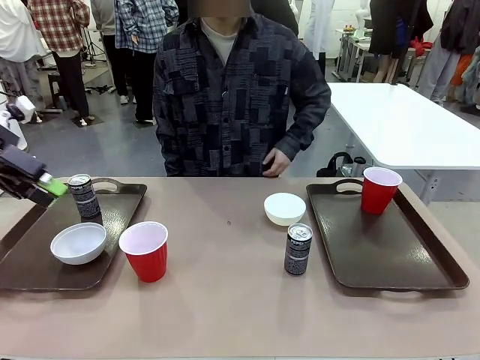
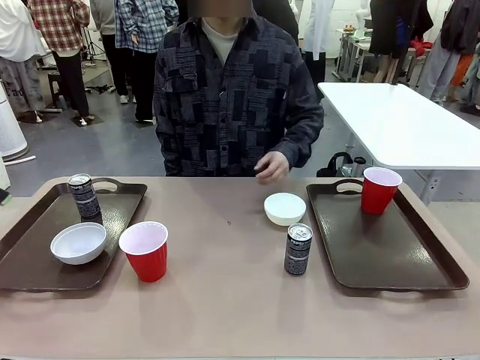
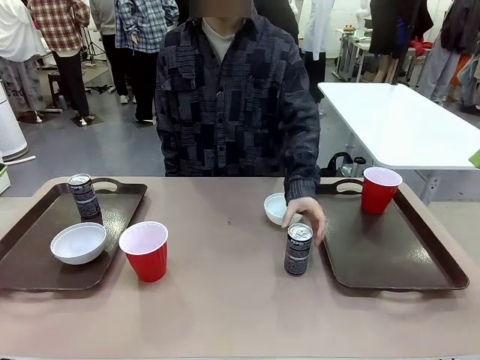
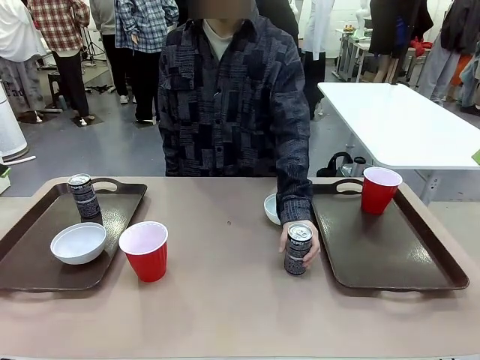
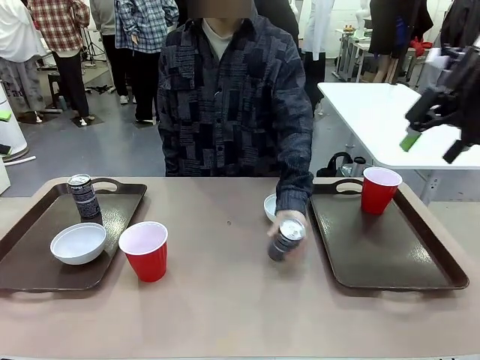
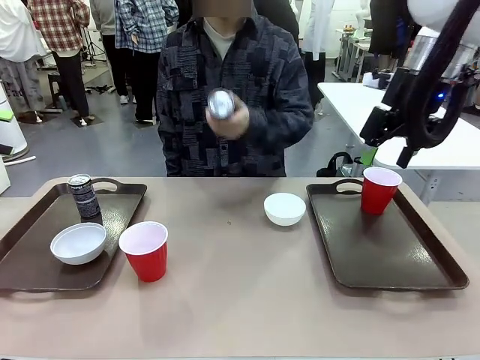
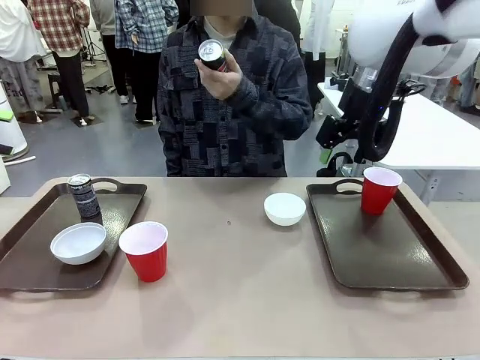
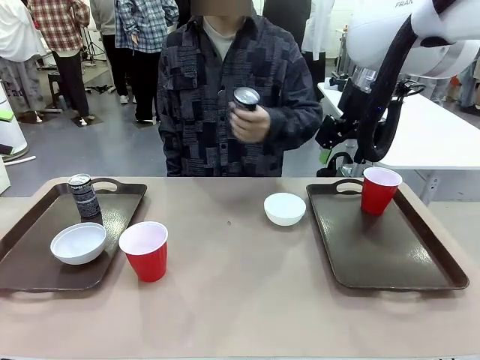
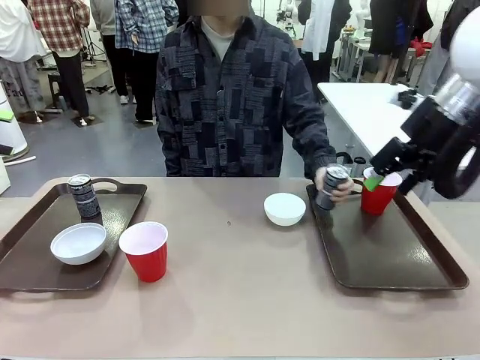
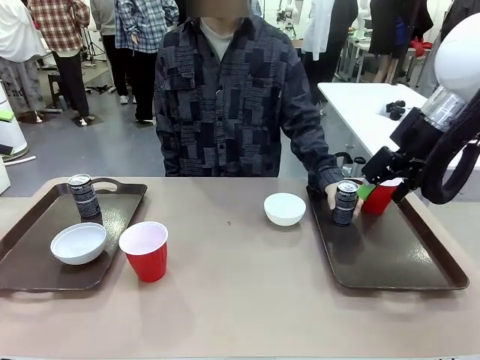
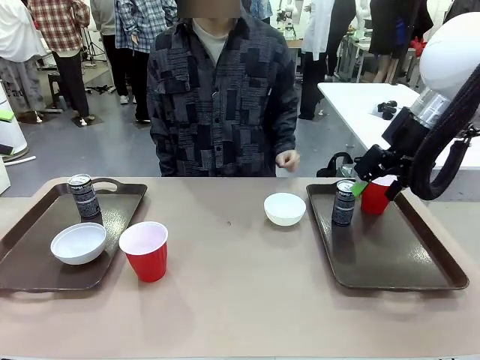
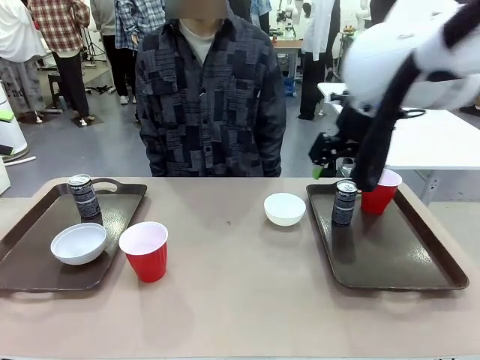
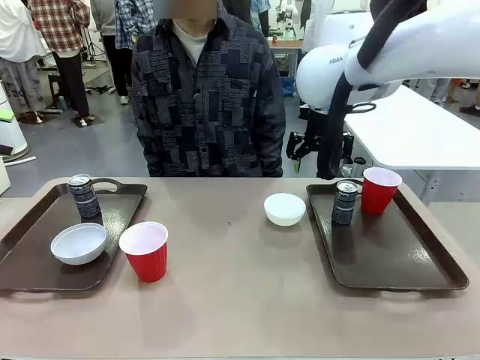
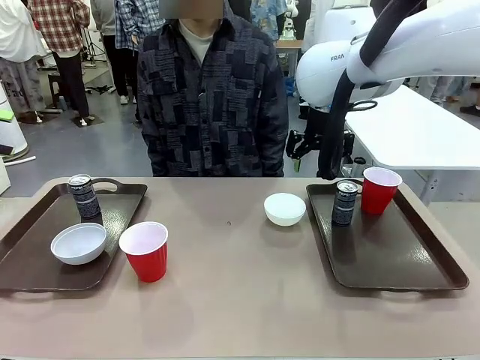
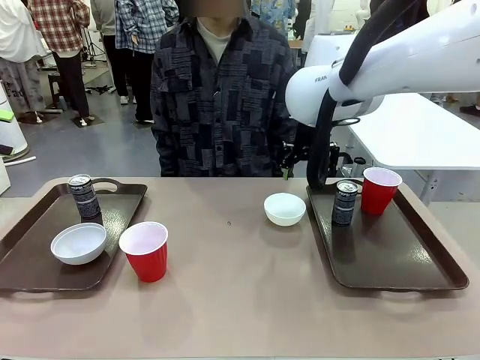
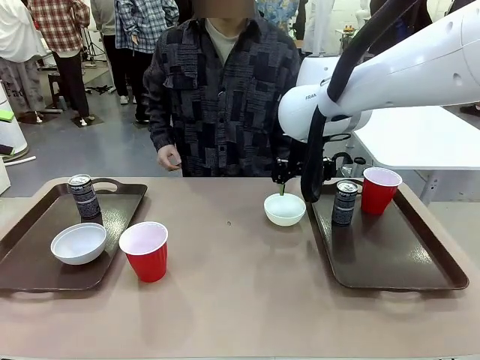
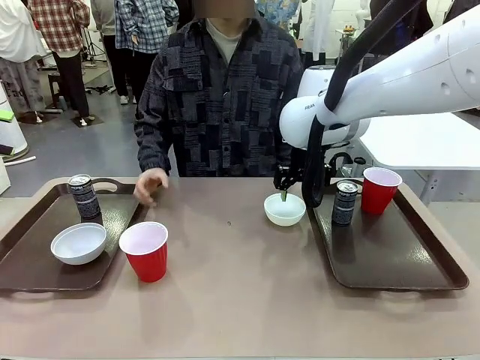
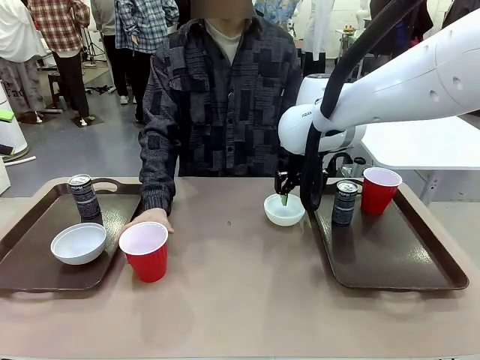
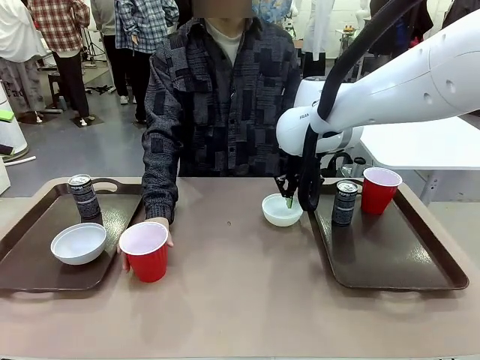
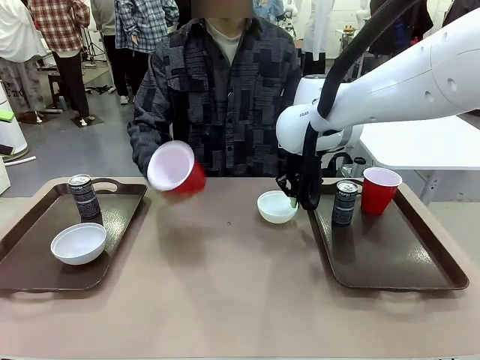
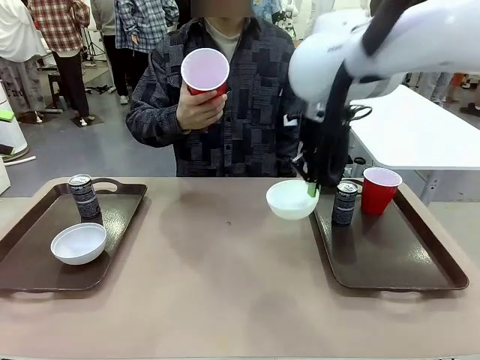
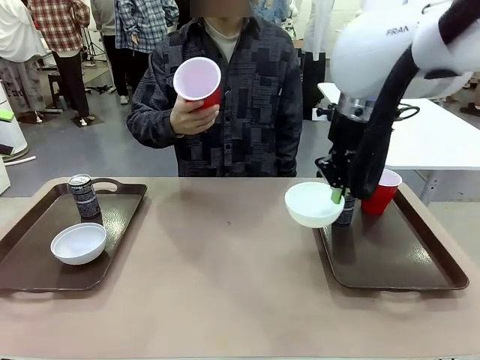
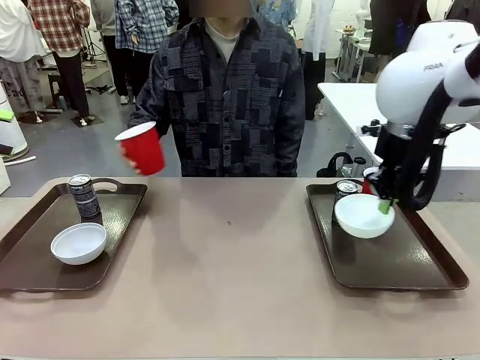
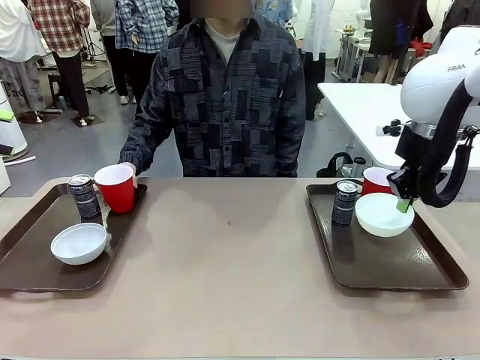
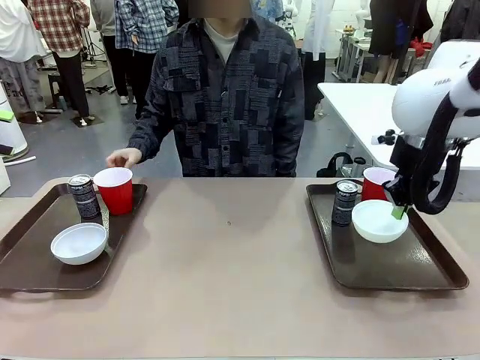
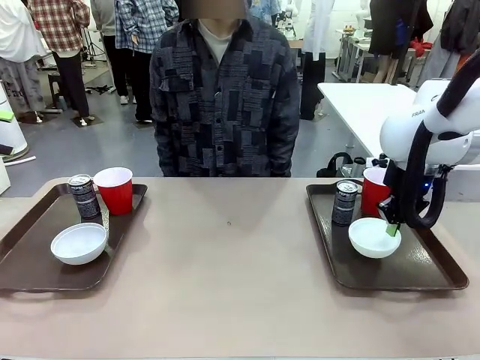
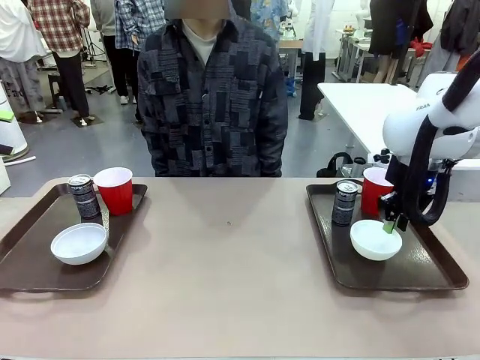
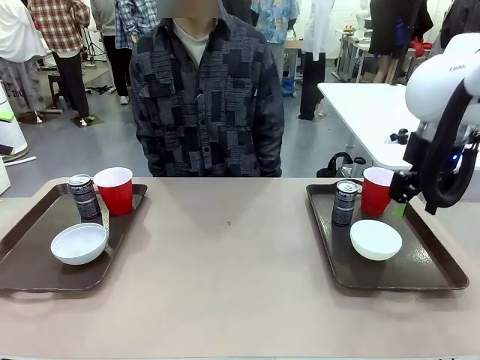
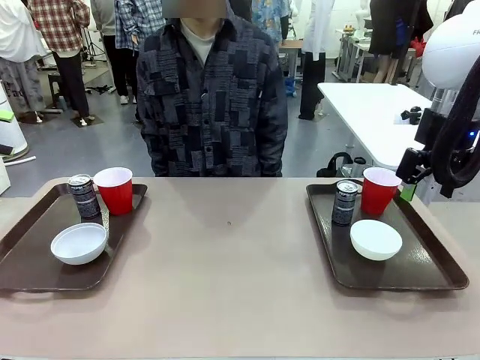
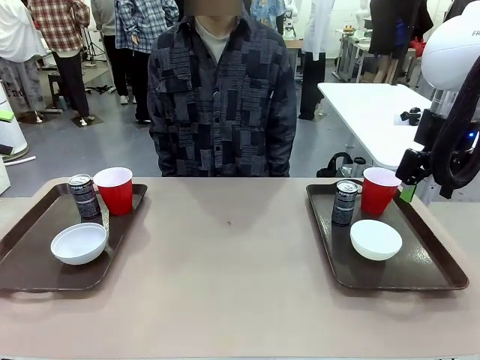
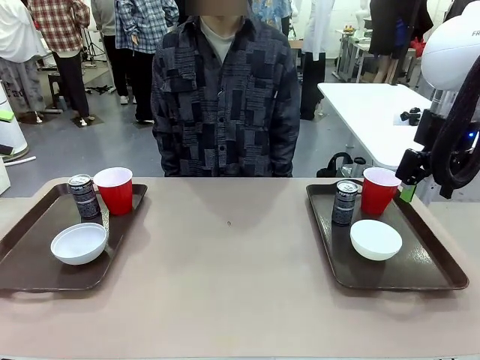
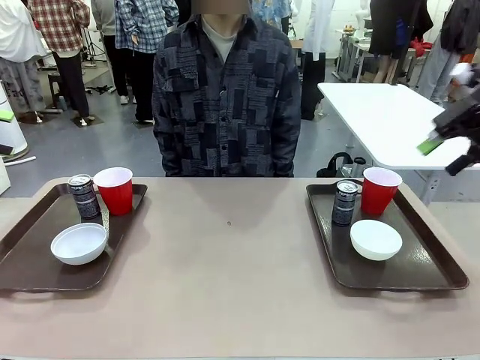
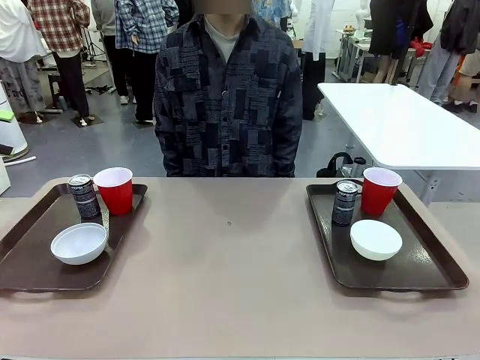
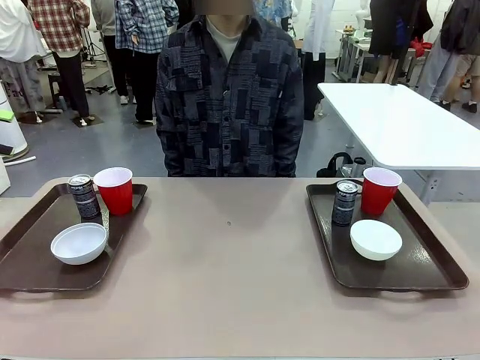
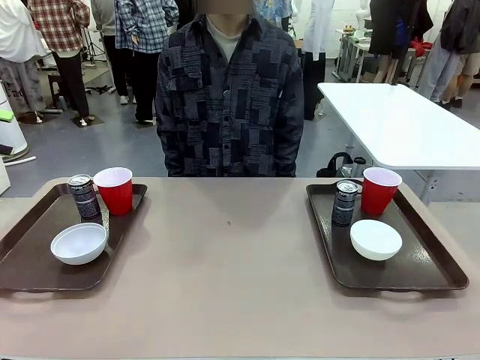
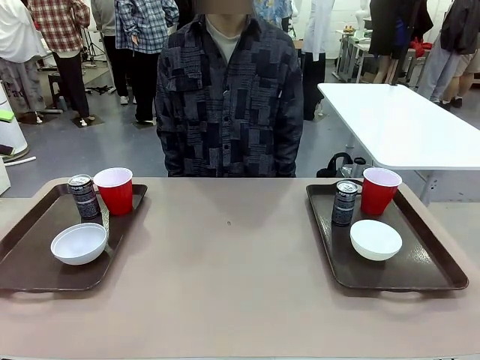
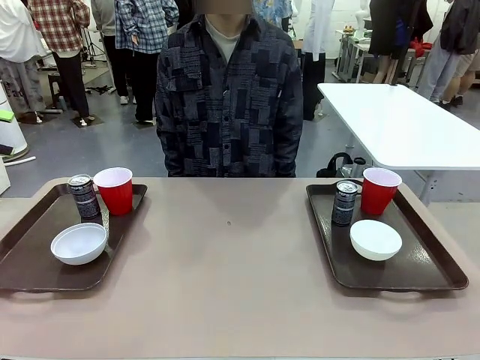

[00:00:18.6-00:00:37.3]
Task: Prepare tableware on both trays.
Robot: Pick up a Picnic Bowl from the table and place it on a Handle tray.
Person: Pick up a can or cup and place it on the tray without a can or cup.
